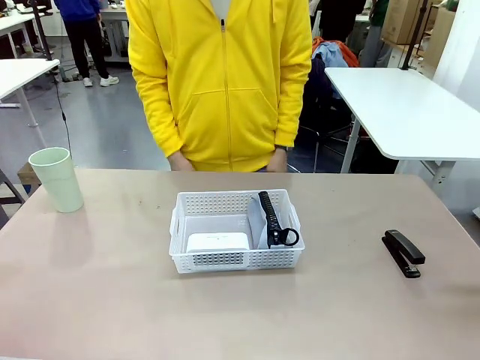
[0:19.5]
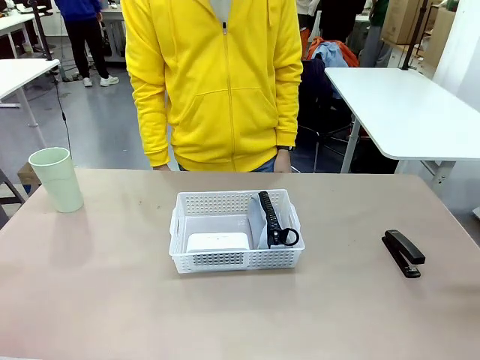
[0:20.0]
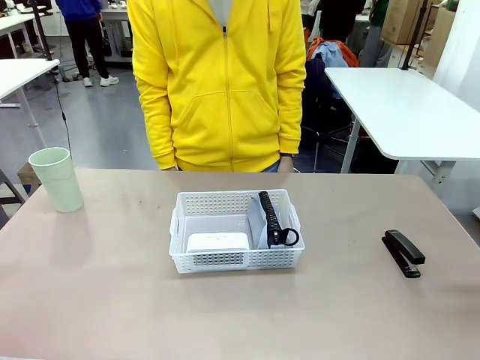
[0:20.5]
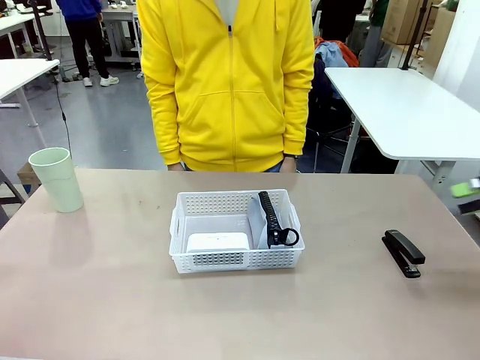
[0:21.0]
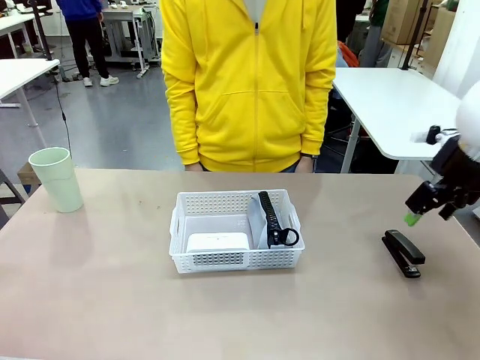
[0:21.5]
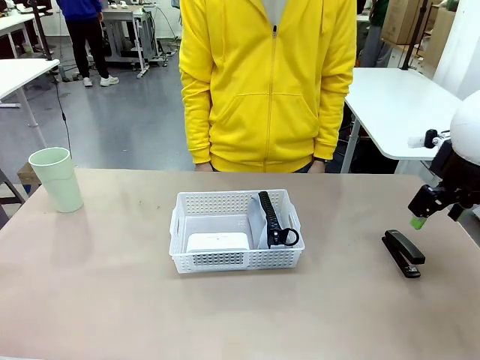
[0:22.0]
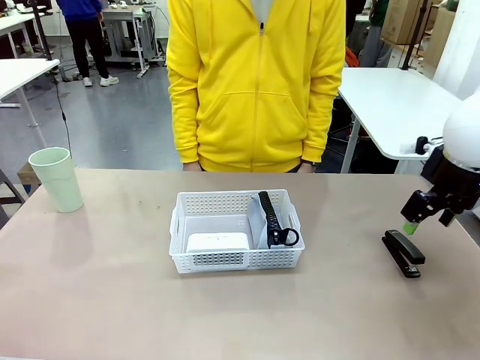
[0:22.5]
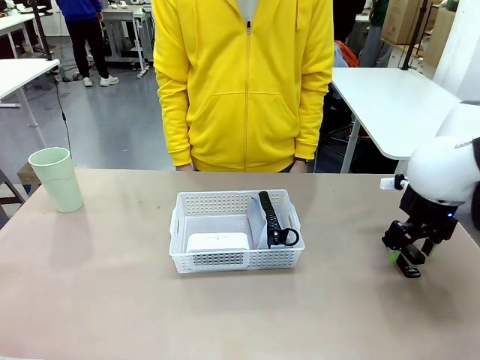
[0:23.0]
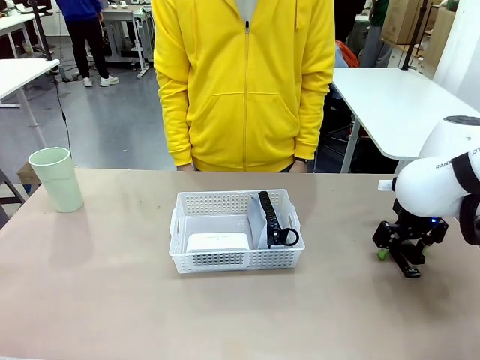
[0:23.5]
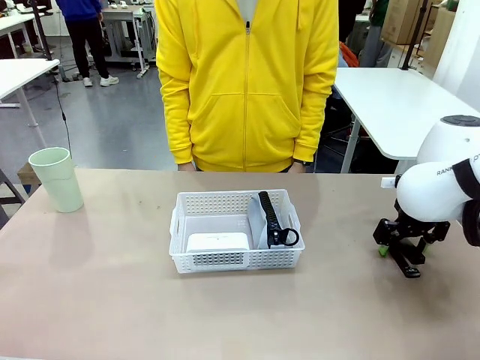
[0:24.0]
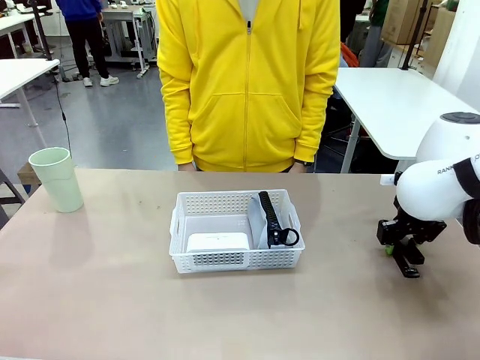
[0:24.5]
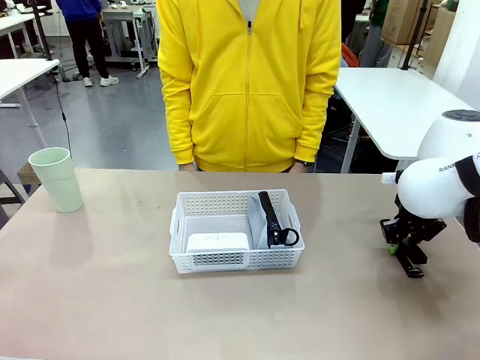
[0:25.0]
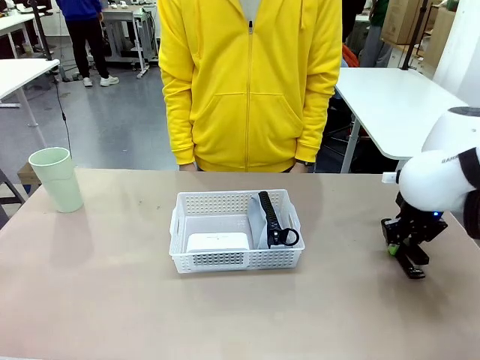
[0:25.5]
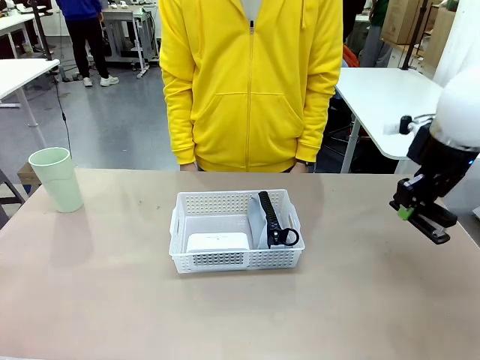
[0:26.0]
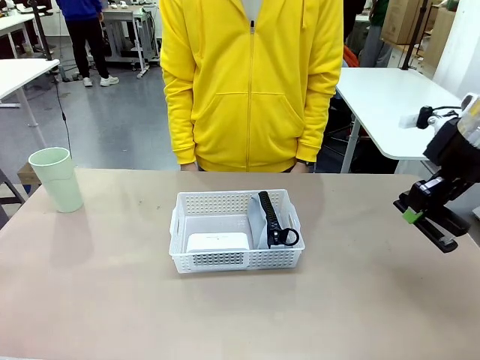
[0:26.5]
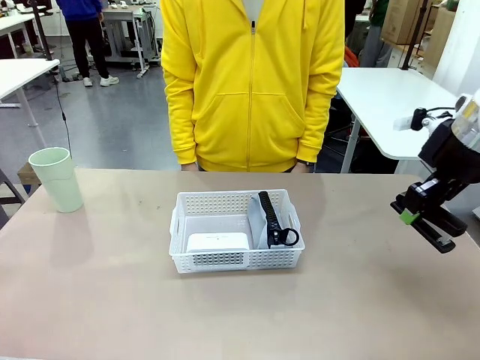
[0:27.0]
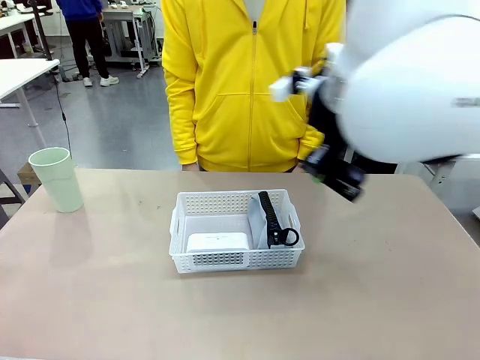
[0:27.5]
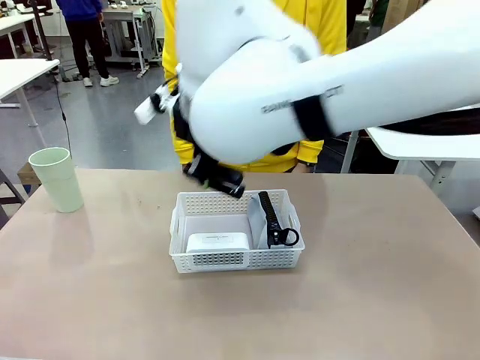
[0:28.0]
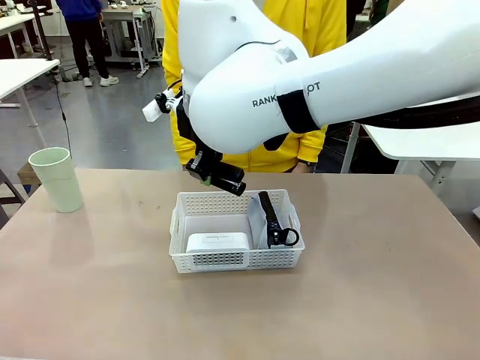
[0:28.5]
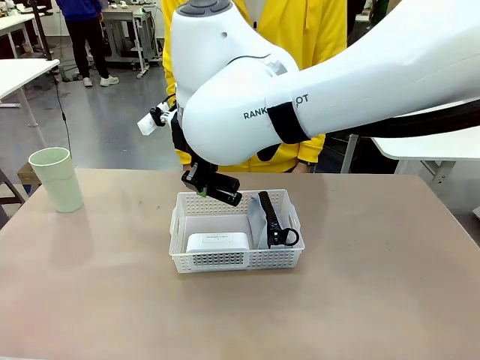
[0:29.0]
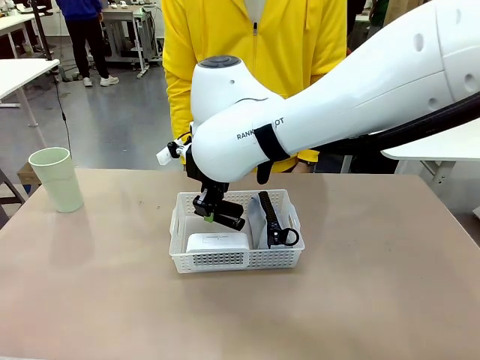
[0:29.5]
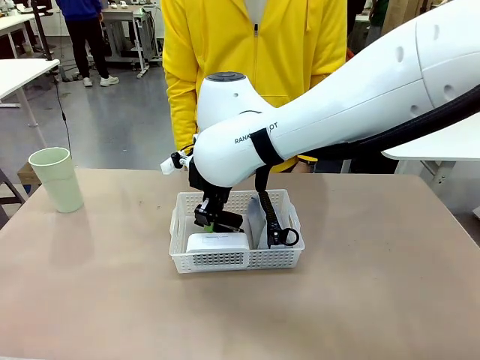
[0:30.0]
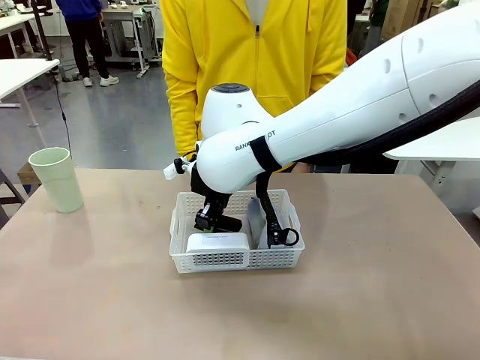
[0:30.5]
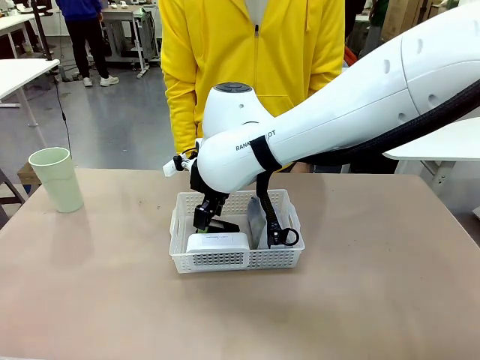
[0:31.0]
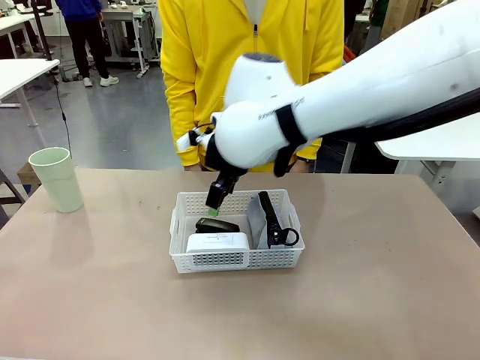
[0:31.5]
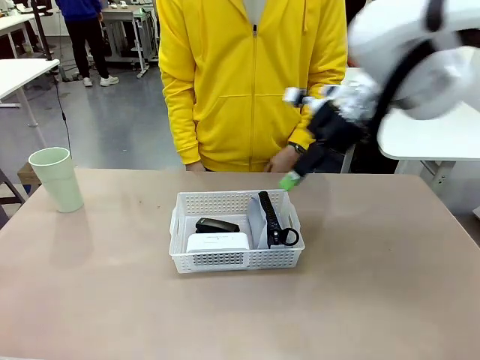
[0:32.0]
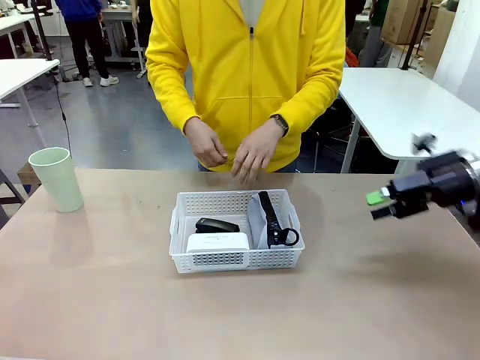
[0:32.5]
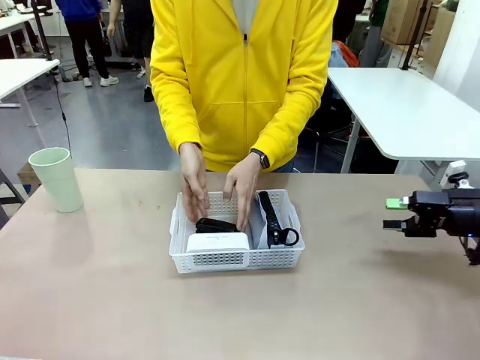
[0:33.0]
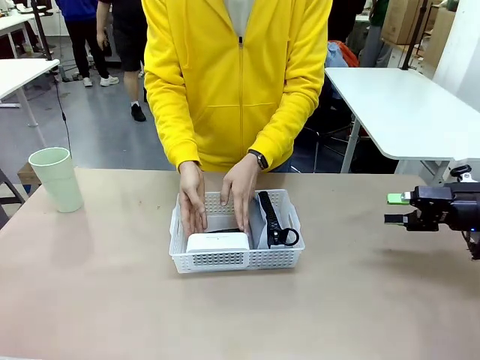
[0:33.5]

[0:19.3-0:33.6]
Task: Efficiently arrange items inside the basket to fit them all.
Robot: Pick up the Stapler and place it inside the Organizing basket.

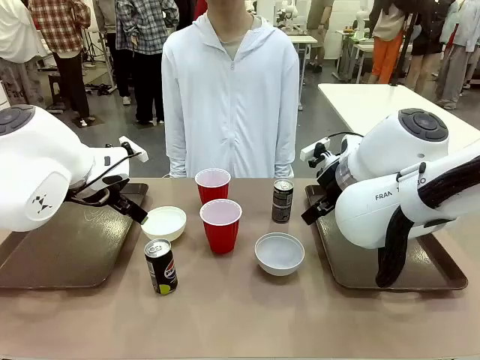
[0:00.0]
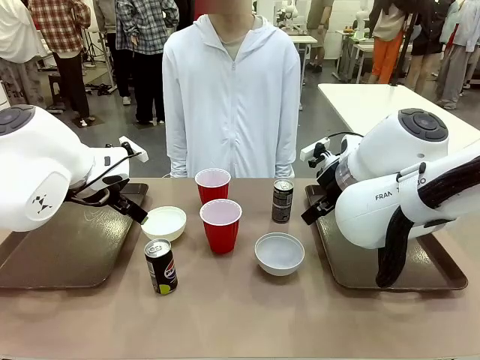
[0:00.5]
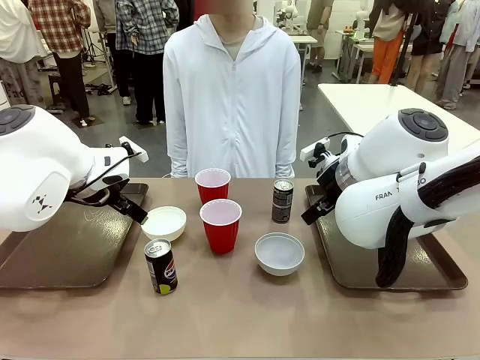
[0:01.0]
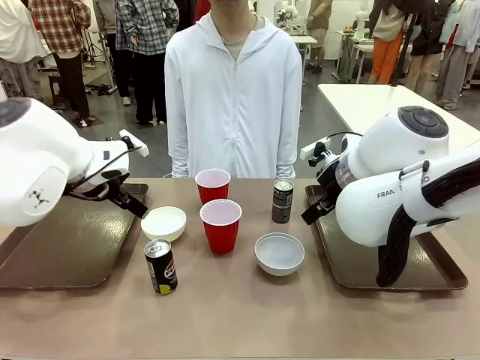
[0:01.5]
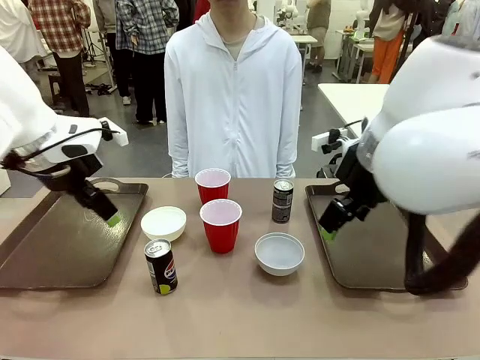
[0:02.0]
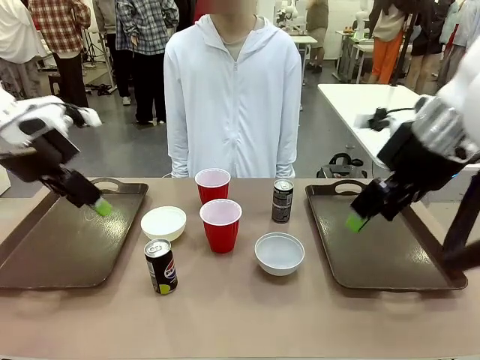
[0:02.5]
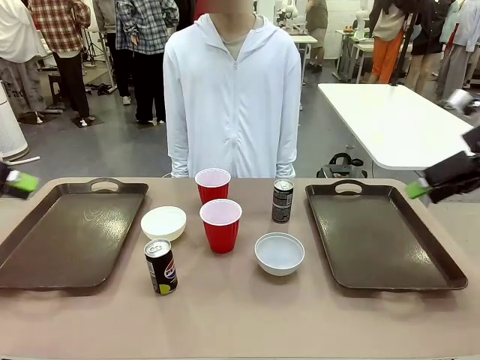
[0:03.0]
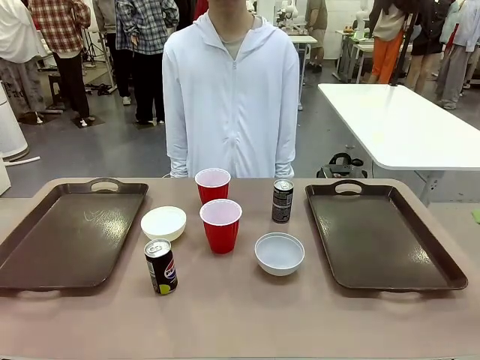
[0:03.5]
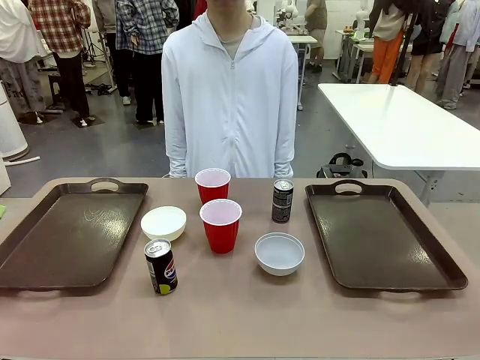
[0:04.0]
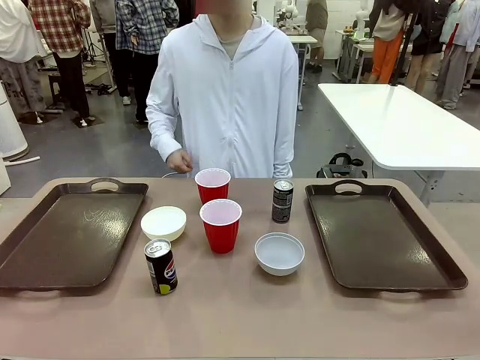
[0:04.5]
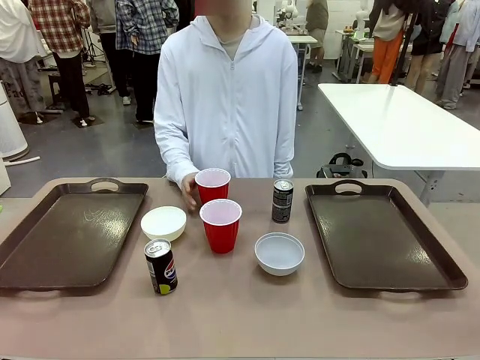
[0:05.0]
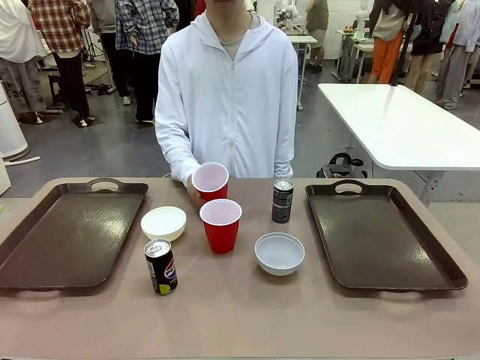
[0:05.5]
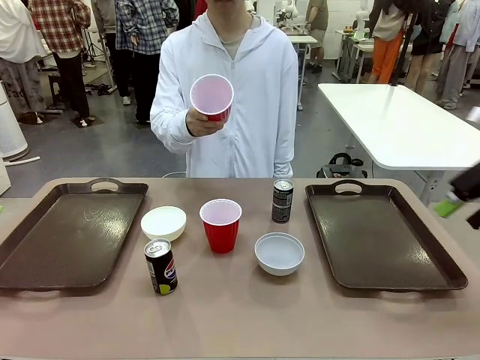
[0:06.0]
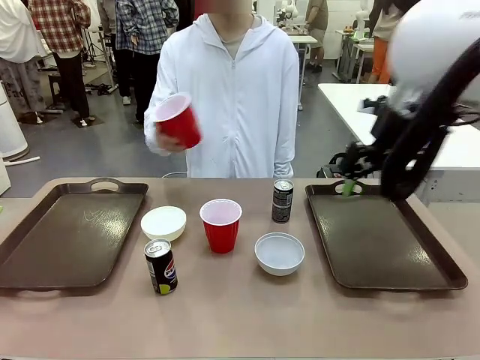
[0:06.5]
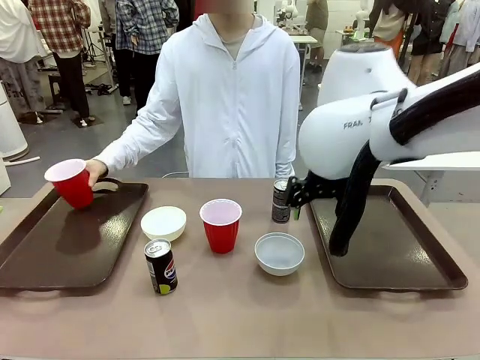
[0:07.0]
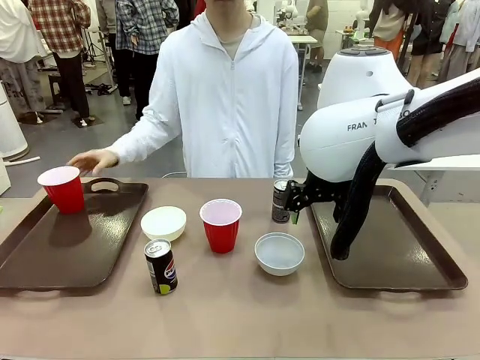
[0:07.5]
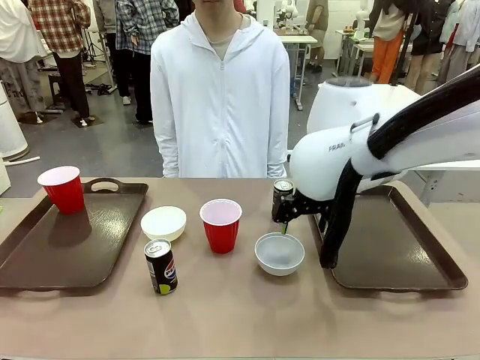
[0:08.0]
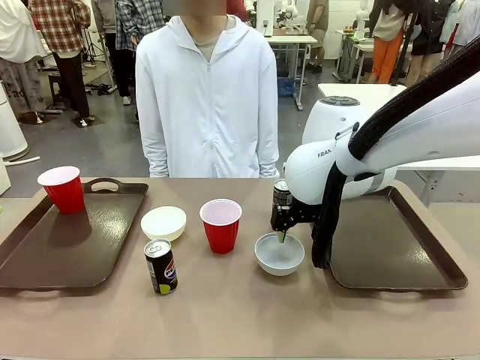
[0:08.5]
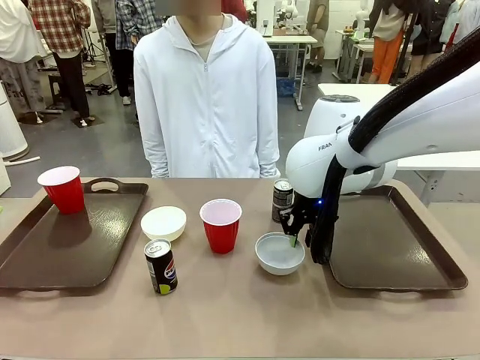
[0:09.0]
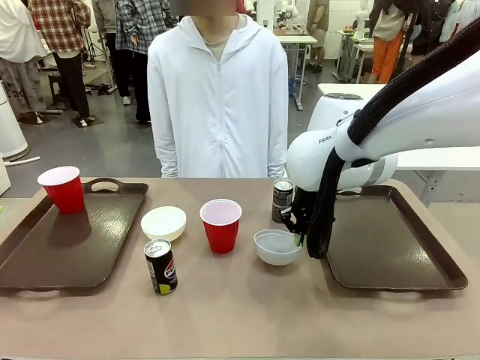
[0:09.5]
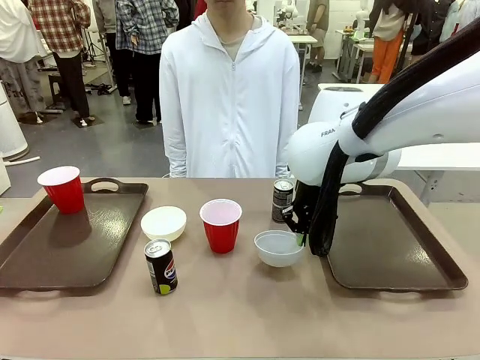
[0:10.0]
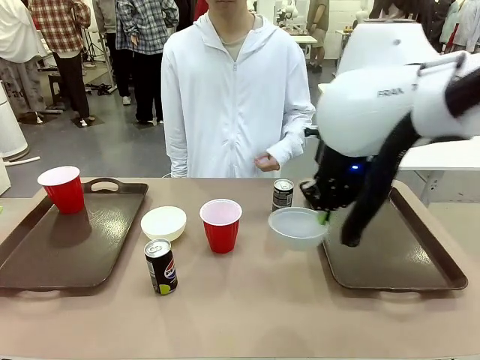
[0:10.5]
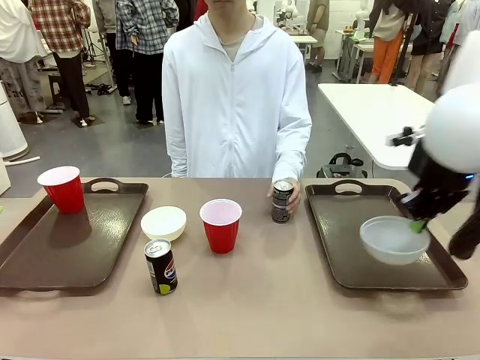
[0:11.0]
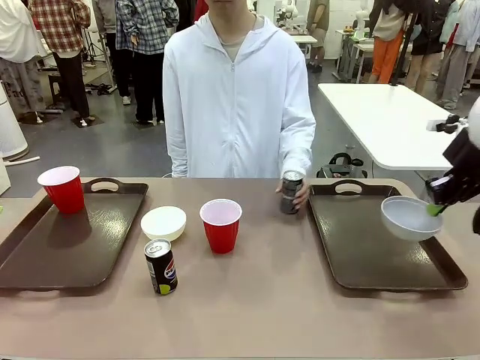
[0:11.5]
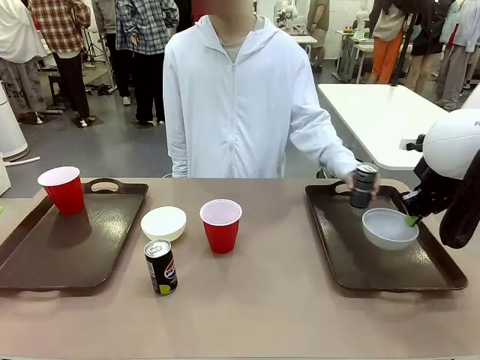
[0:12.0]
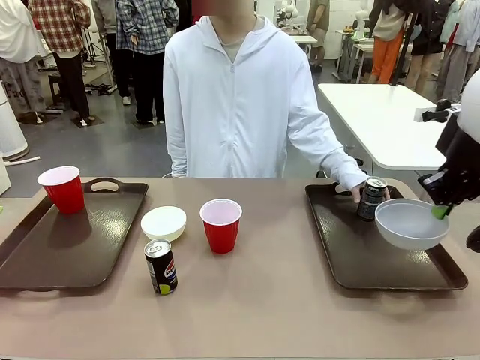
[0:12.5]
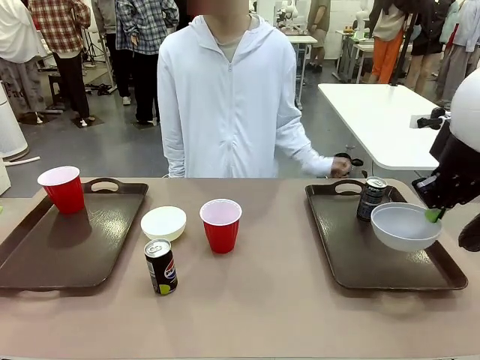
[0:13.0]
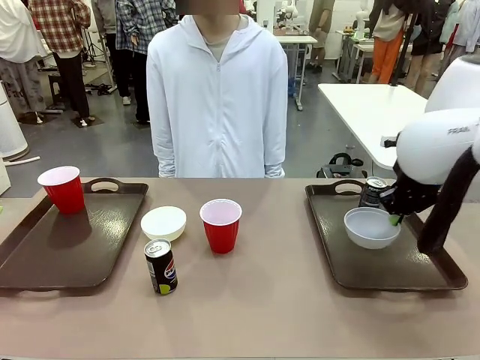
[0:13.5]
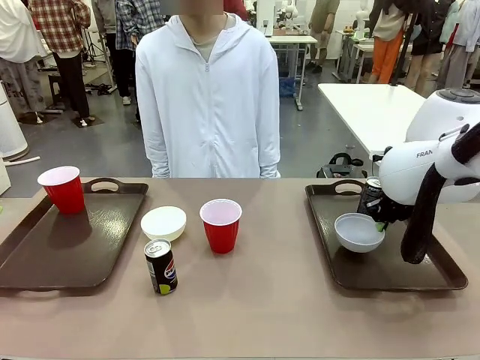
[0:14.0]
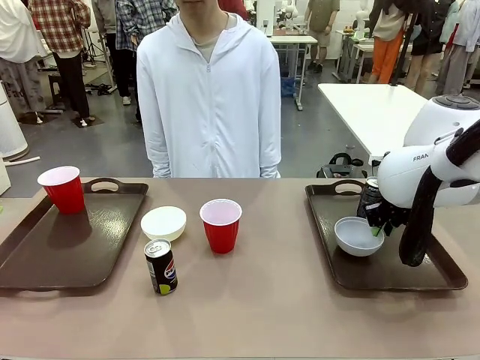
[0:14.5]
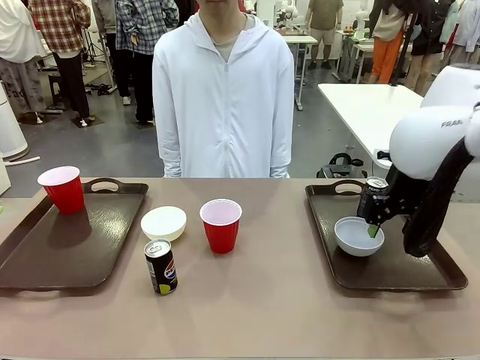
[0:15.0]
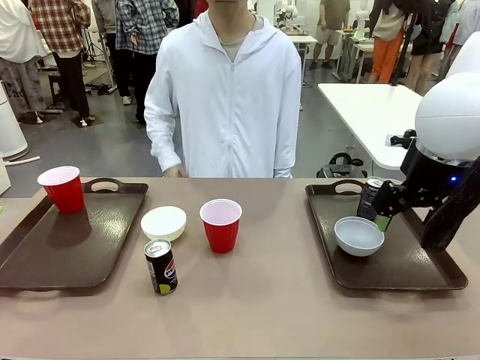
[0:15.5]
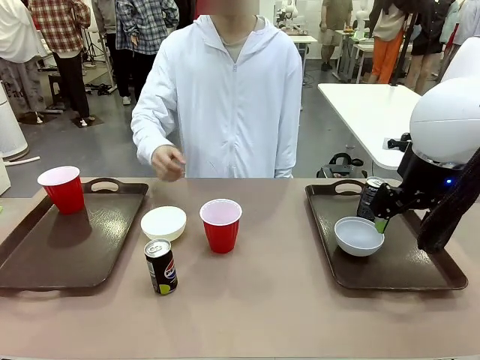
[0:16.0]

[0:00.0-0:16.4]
Task: Prepare tableware on both trays.
Robot: Pick up a Picnic Bowl from the table and place it on a Handle tray.
Person: Pick up a can or cup and place it on the tray.
